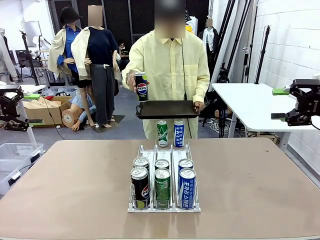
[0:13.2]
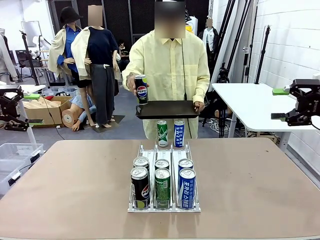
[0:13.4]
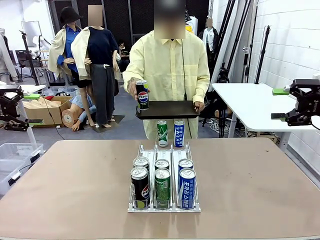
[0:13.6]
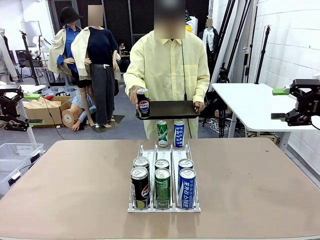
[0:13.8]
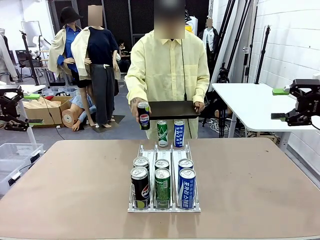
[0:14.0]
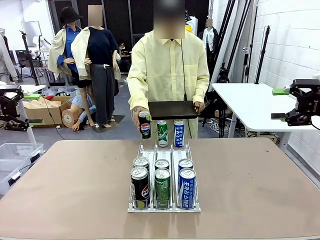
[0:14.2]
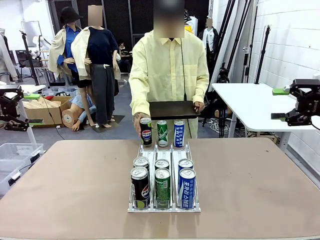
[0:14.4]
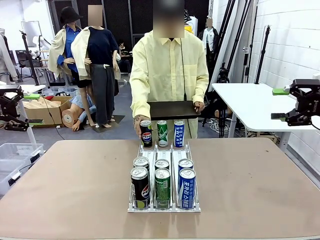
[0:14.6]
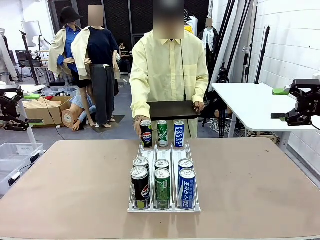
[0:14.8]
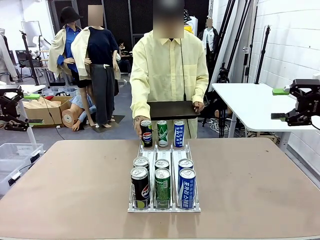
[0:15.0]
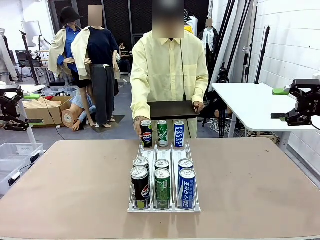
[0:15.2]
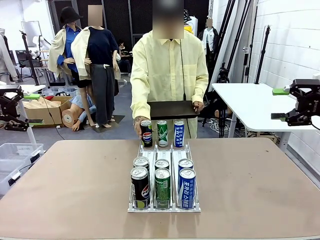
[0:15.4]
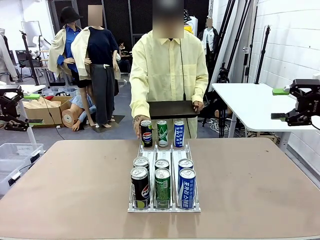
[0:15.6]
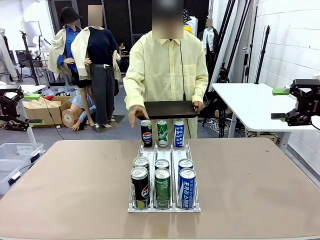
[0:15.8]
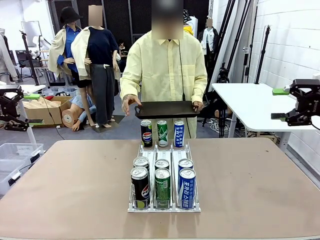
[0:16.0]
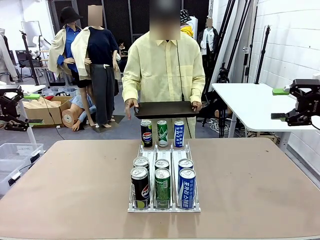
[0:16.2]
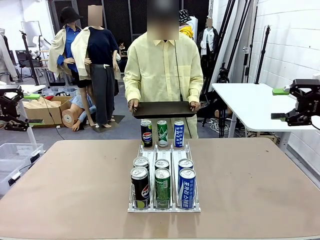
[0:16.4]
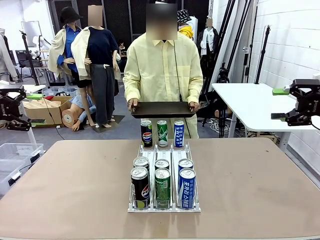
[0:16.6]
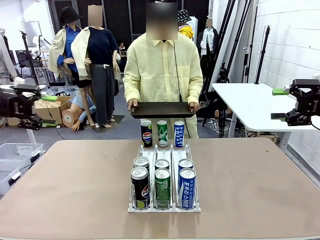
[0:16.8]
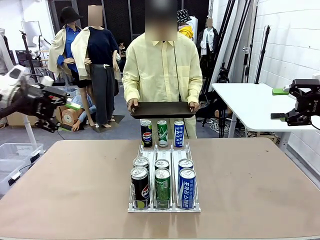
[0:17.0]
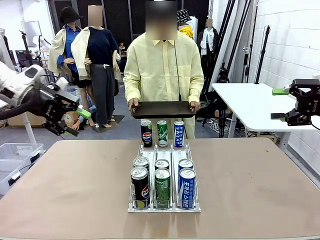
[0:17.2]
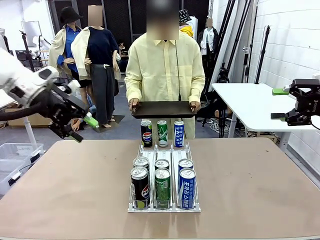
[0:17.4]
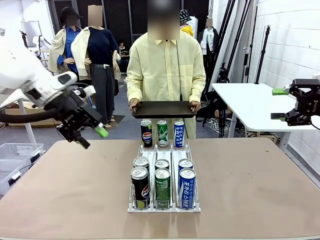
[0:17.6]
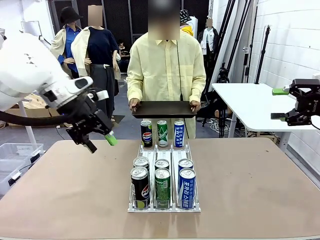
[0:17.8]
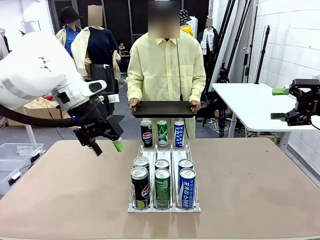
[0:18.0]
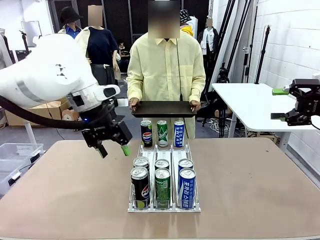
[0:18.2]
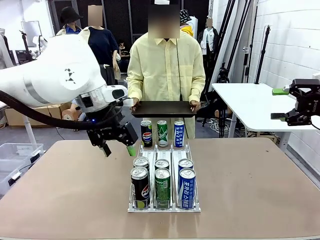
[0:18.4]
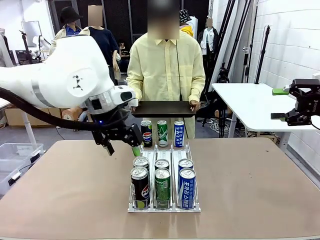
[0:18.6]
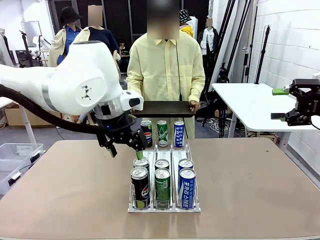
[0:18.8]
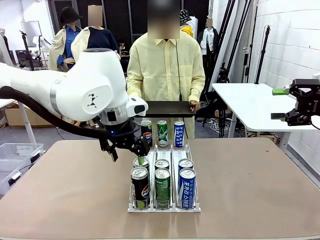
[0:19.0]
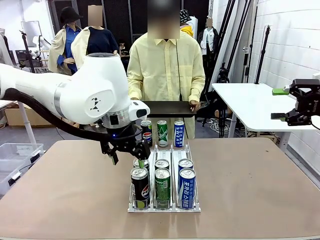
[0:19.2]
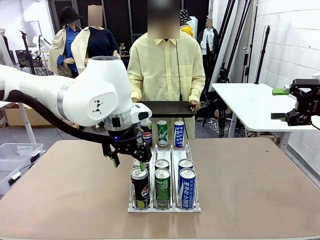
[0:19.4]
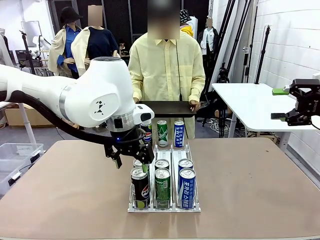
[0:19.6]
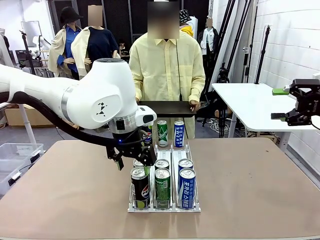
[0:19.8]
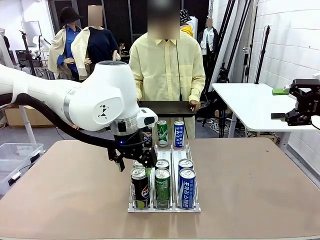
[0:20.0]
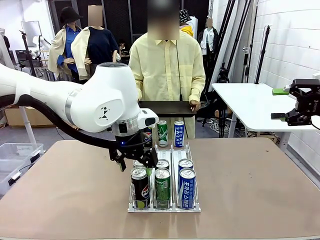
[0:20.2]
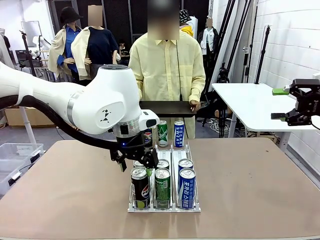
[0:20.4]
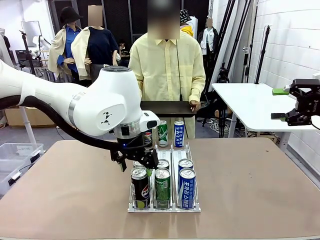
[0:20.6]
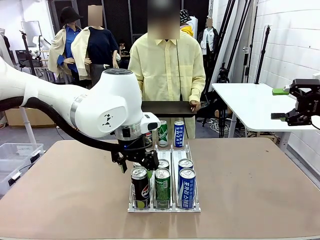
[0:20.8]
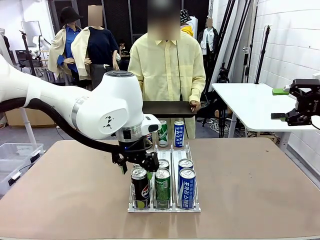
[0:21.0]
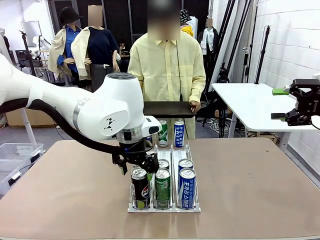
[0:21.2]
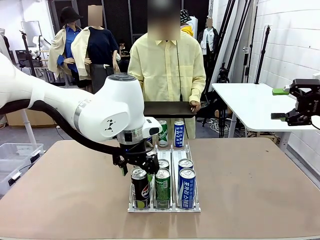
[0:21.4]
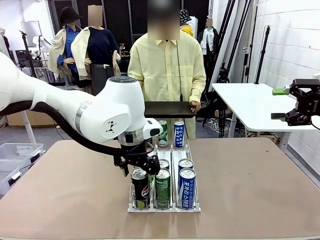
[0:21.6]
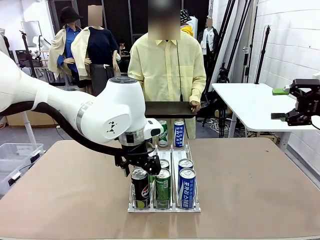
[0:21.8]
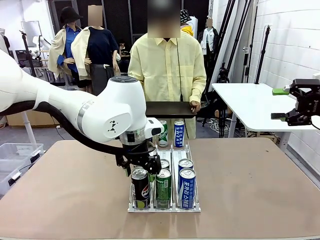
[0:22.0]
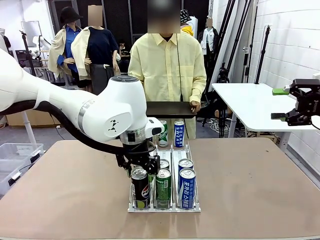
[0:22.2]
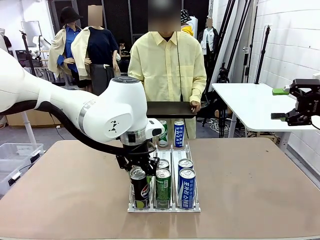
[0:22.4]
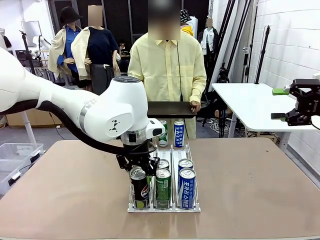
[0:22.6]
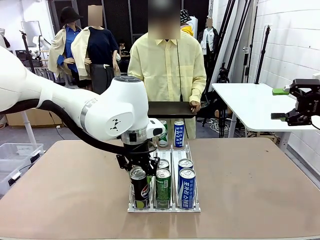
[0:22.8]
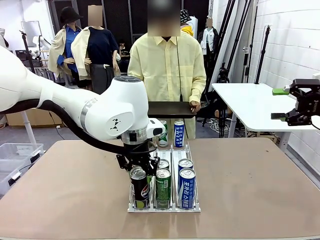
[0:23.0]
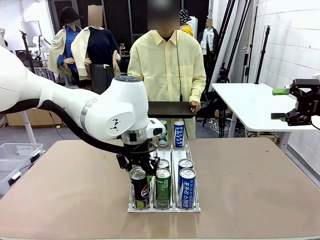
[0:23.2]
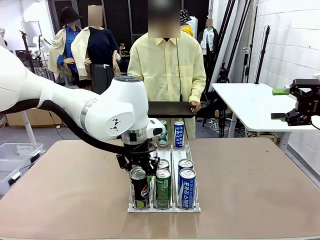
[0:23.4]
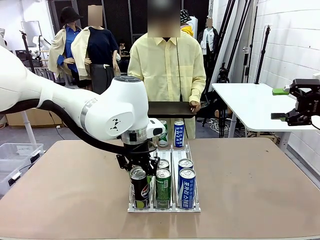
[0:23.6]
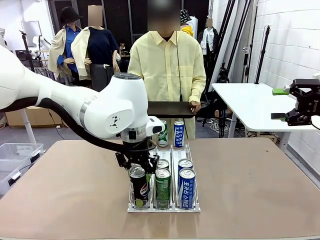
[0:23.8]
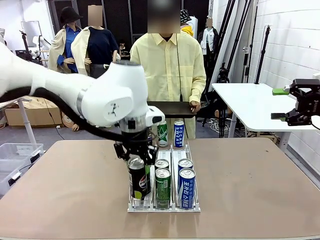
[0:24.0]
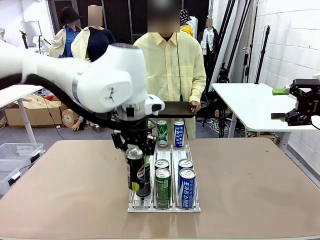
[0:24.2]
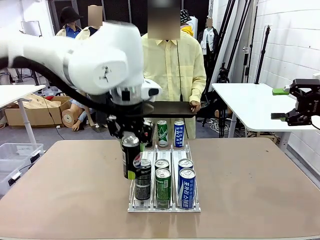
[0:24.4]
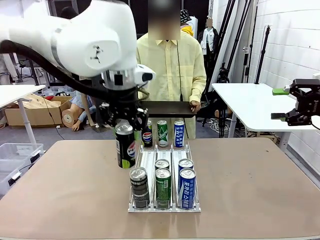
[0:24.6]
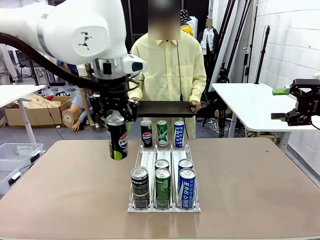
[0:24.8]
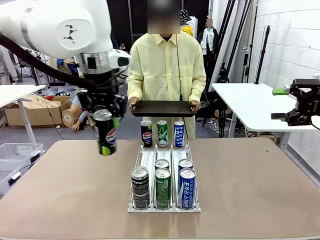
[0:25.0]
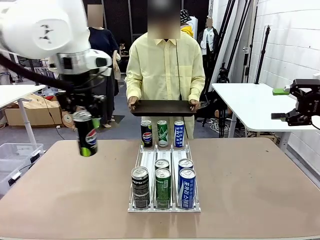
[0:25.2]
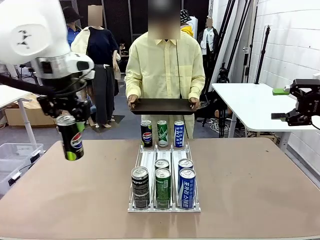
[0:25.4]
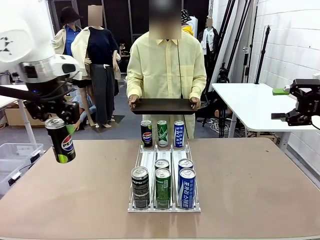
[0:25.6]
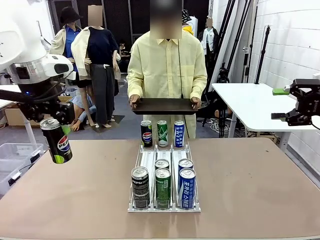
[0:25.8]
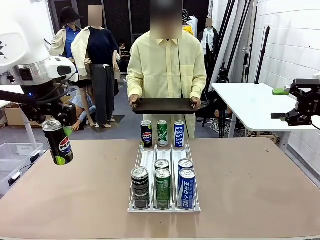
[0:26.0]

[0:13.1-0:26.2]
Task: Retrieve and hand over the desired beverage to the person.
Robot: Pick up a can of the same type that the person held from the Automatic Can Dispenser.
Person: Push the tray toward the robot.

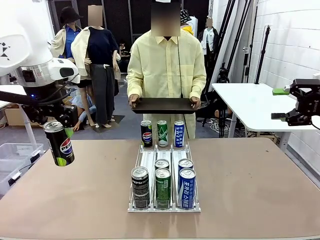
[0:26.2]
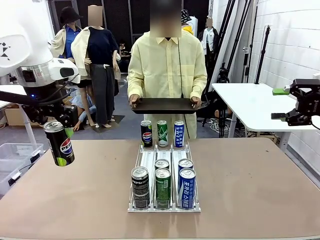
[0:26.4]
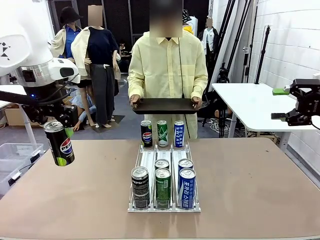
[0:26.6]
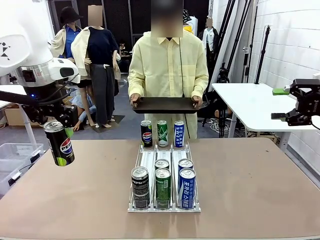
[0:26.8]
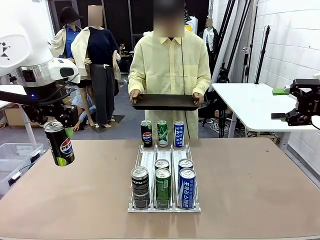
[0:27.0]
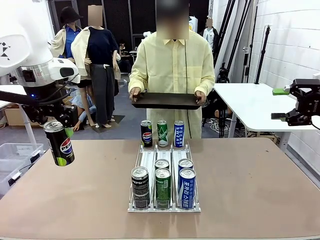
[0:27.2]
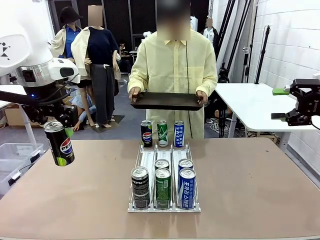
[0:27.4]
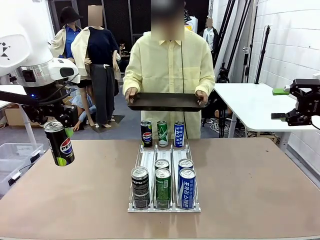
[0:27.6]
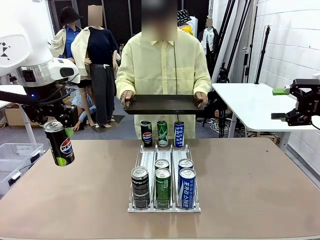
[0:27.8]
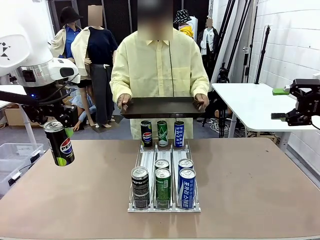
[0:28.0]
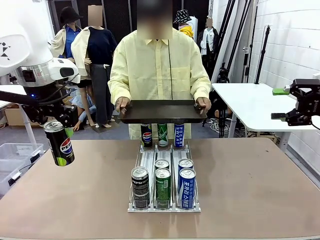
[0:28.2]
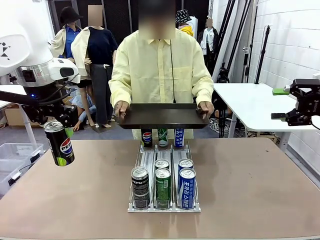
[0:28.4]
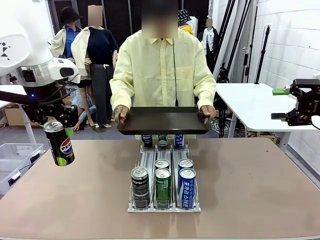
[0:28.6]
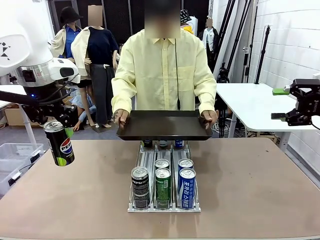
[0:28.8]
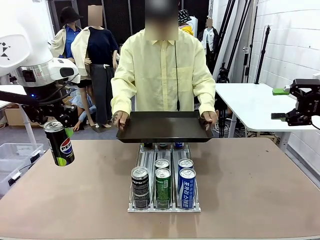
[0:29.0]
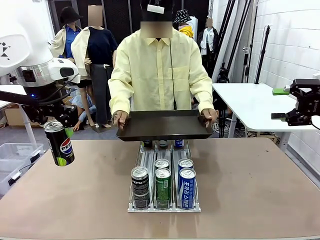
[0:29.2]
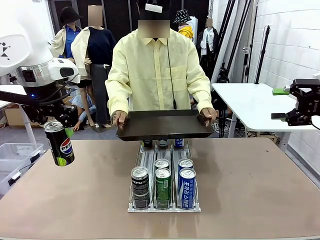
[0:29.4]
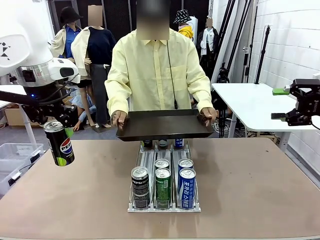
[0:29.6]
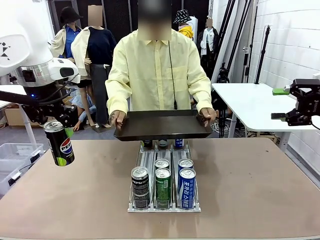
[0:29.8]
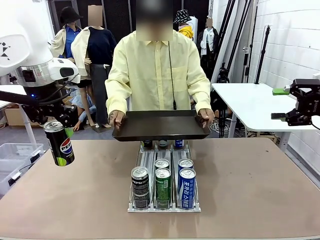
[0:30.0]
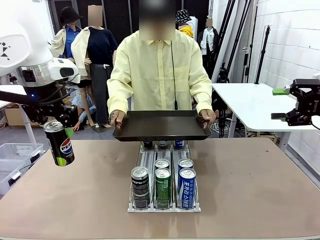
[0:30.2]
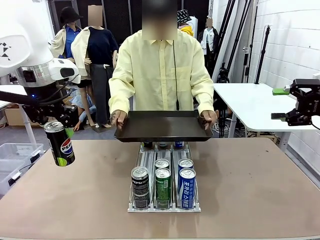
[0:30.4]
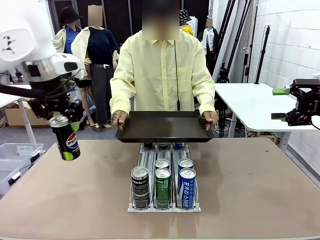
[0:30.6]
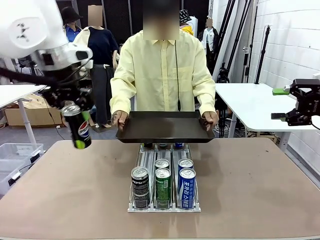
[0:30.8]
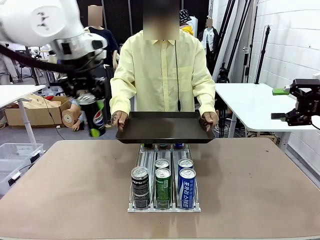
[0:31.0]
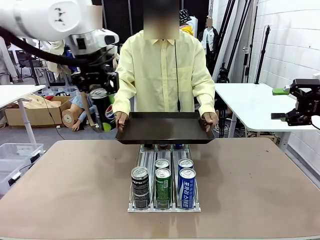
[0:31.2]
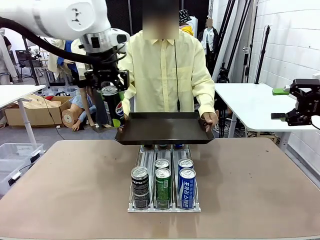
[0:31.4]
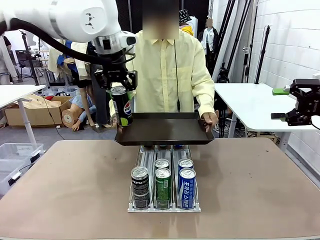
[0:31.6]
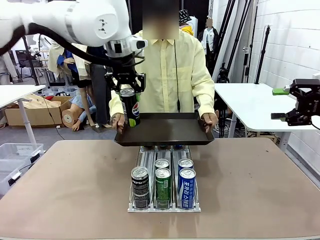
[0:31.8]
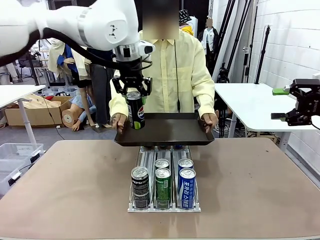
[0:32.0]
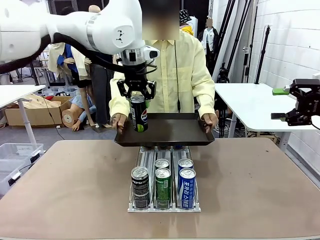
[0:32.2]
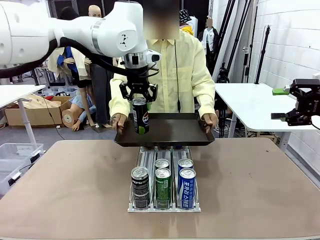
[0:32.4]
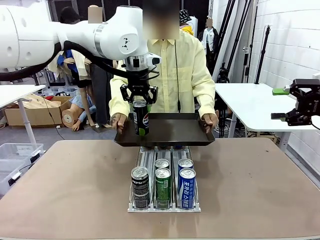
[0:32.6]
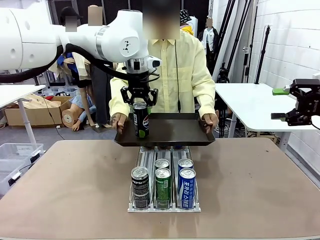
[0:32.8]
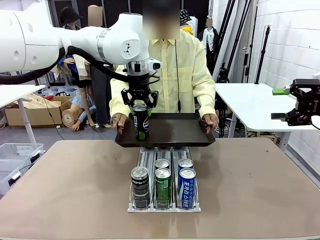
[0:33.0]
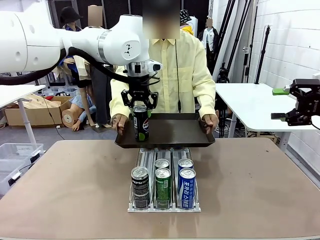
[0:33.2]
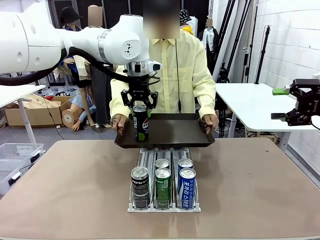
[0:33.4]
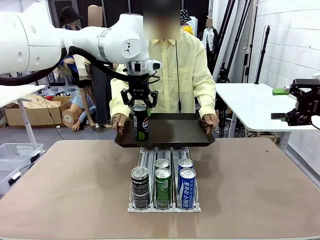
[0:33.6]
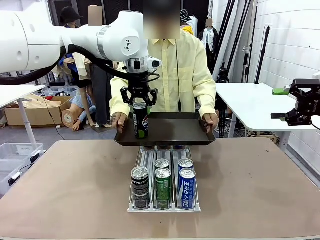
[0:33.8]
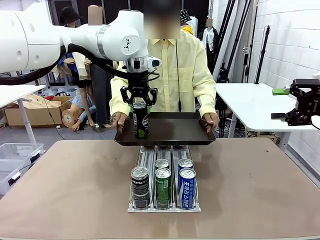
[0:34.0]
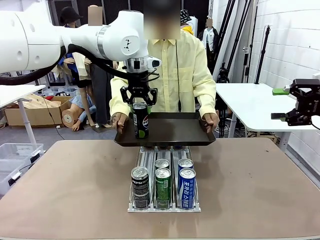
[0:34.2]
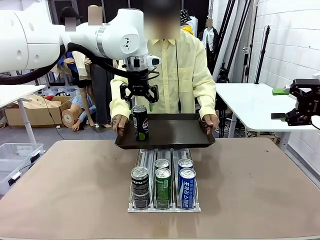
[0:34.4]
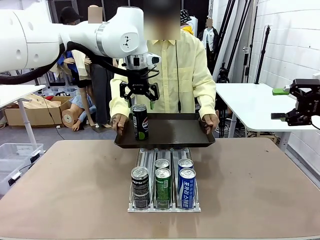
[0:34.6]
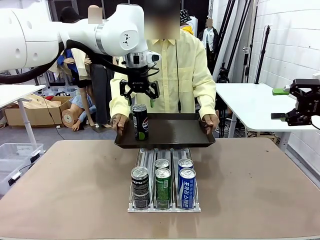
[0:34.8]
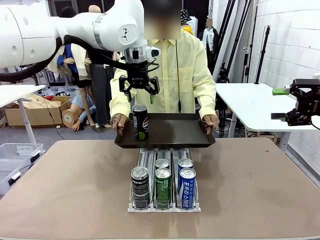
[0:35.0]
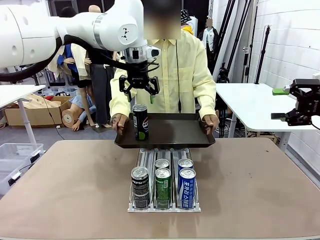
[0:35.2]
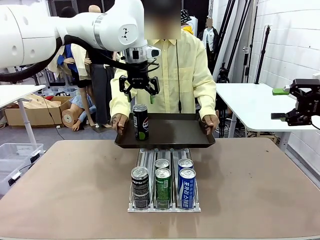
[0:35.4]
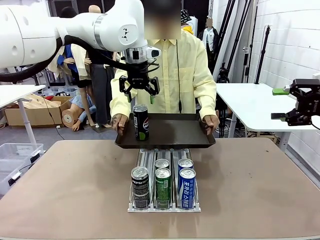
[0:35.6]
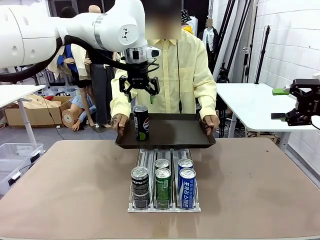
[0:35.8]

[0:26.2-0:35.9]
Robot: Place the picked can on the Handle tray extended by the person.
